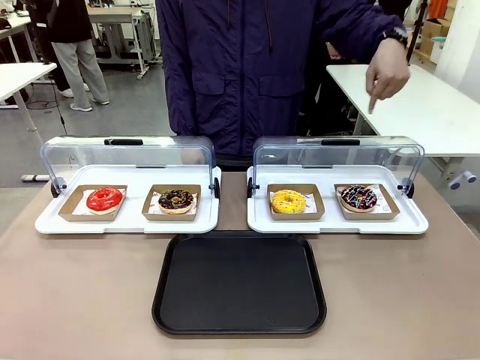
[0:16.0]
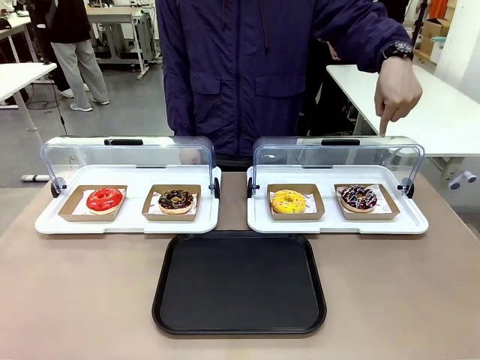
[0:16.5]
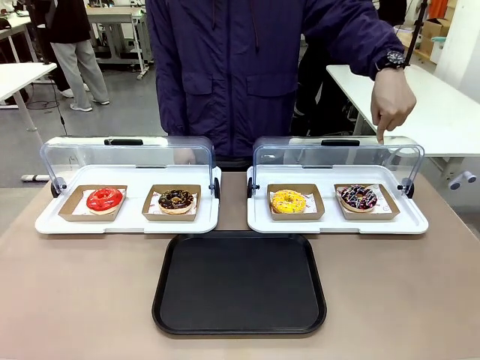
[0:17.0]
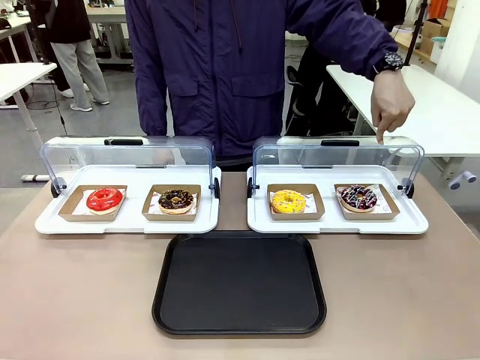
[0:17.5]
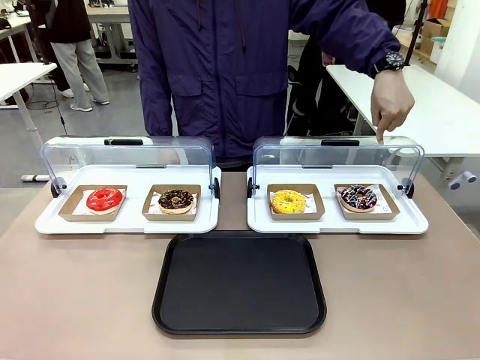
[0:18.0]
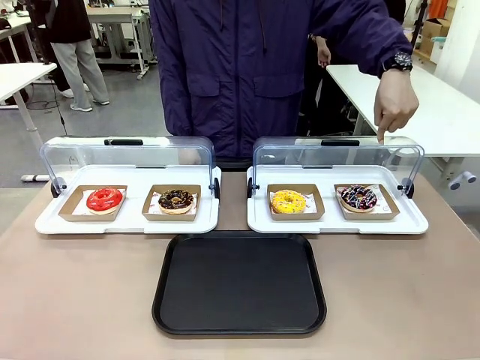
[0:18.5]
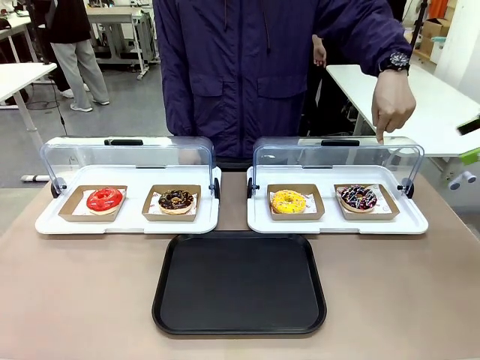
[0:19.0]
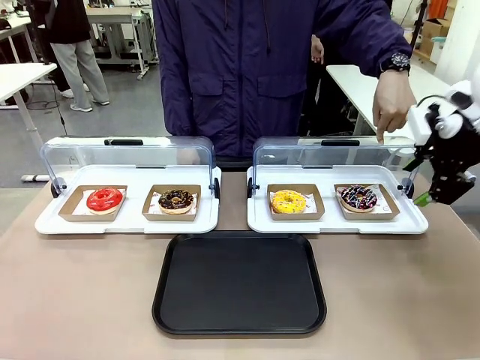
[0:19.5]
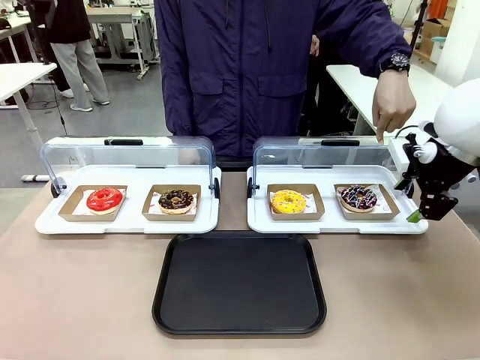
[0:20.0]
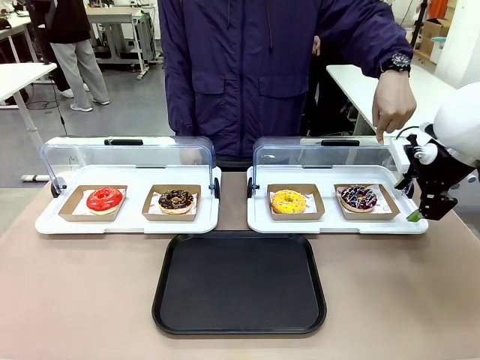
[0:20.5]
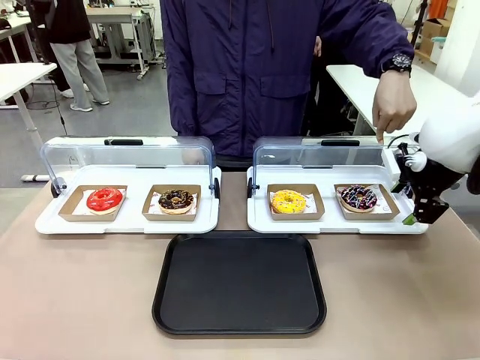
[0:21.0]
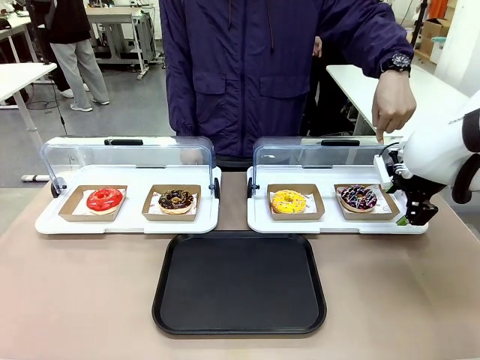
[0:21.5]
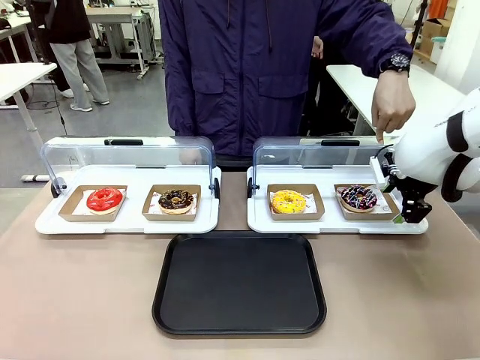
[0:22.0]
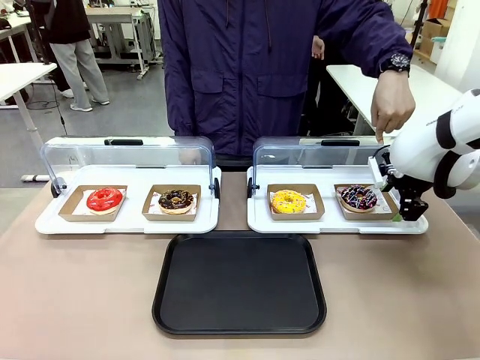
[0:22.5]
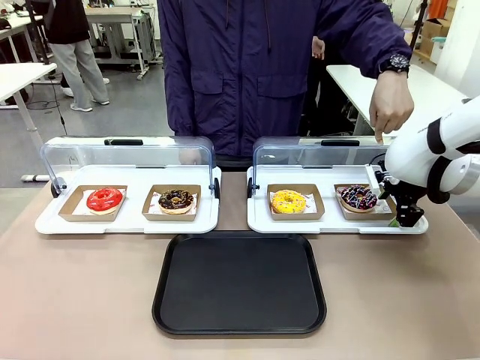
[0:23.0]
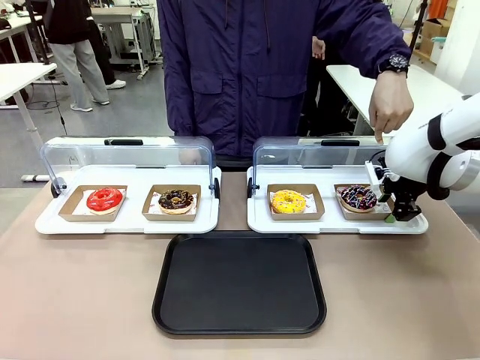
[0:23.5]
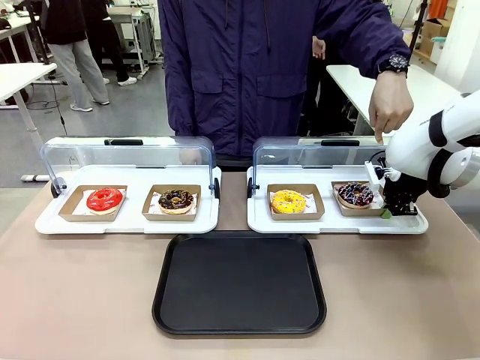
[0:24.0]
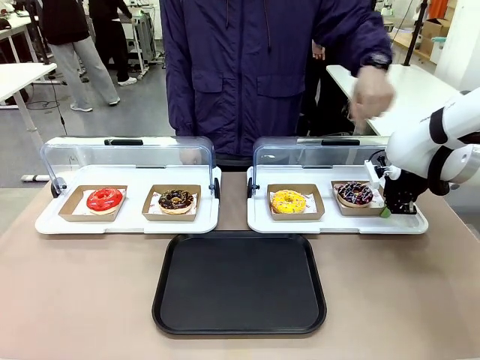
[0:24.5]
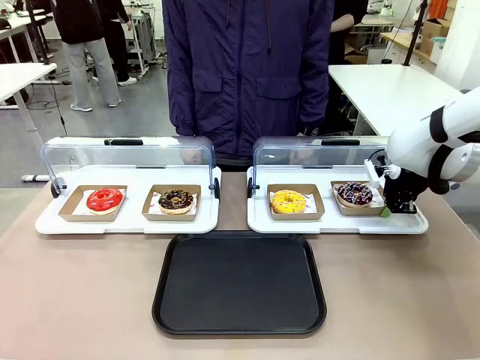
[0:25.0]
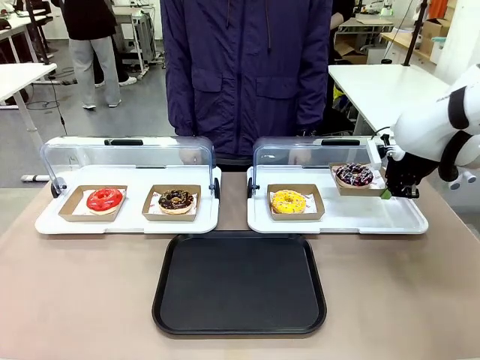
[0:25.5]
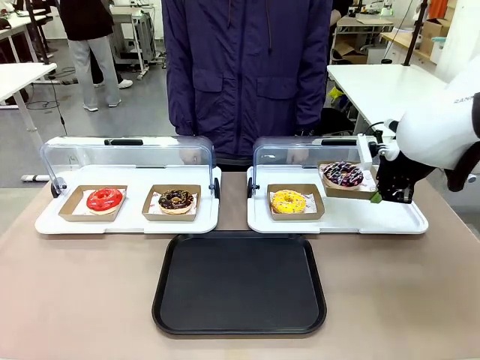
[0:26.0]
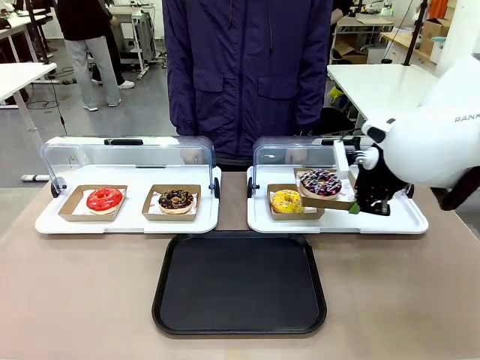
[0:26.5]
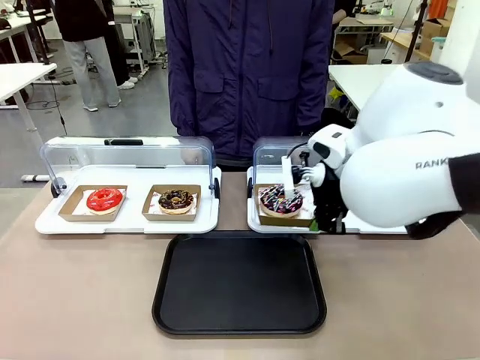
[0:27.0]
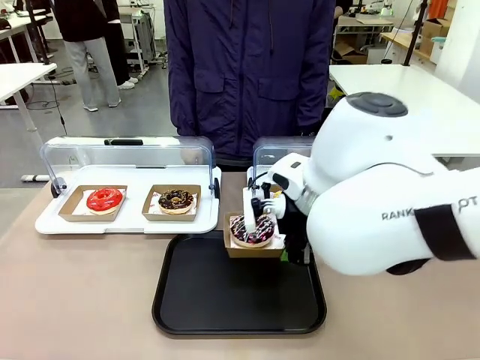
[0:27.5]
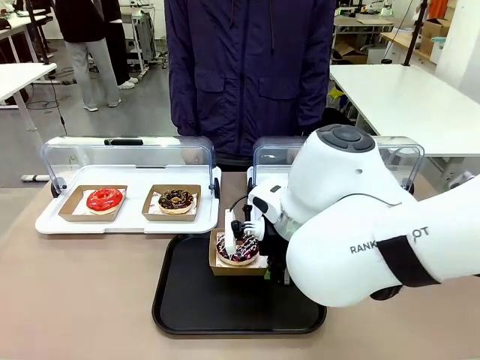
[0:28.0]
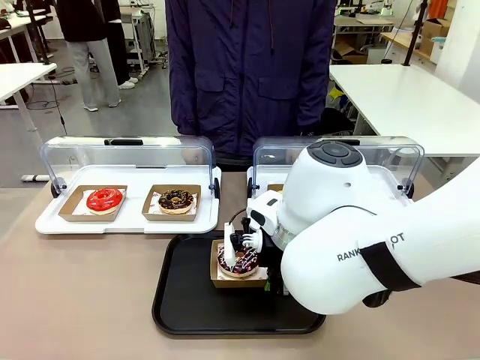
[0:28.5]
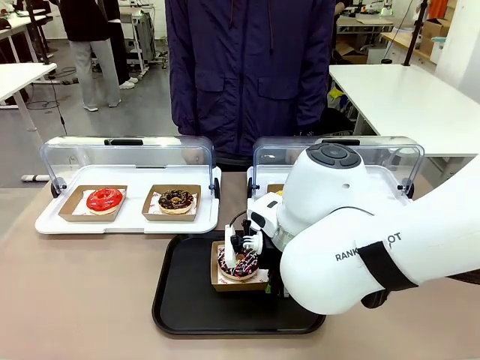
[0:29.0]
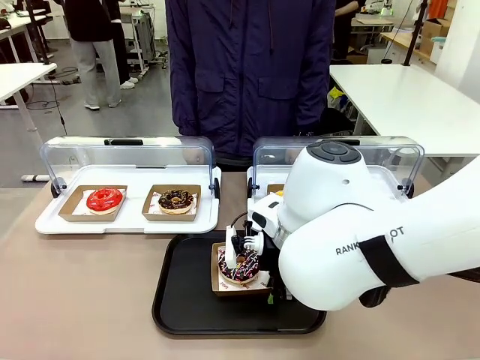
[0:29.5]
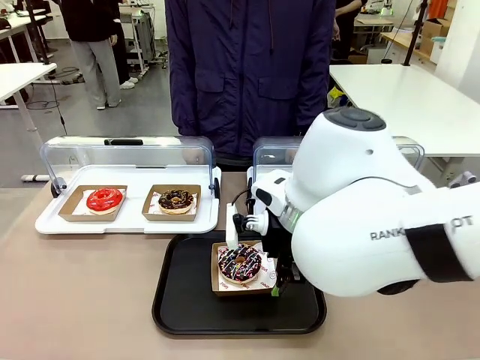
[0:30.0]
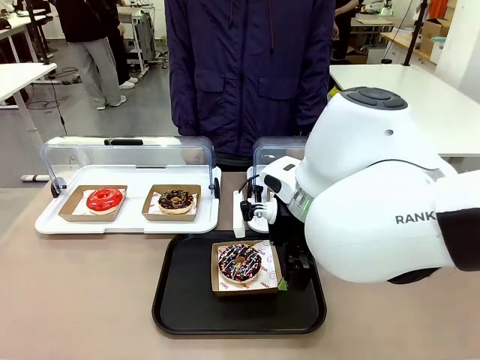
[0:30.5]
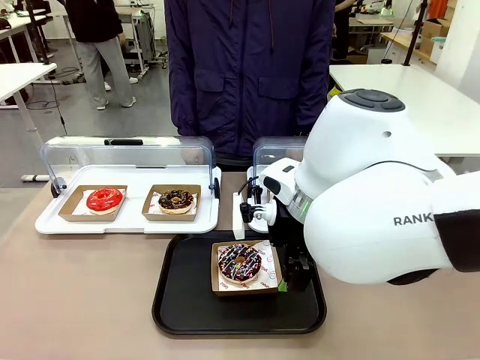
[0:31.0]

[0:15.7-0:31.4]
Task: Move the fourth donut from the left to the tray.
Robot: Pick up the Paper togo box containing the Donut indicated by the person and place it on the Handle tray.
